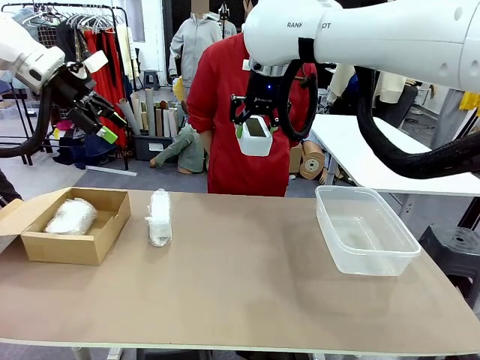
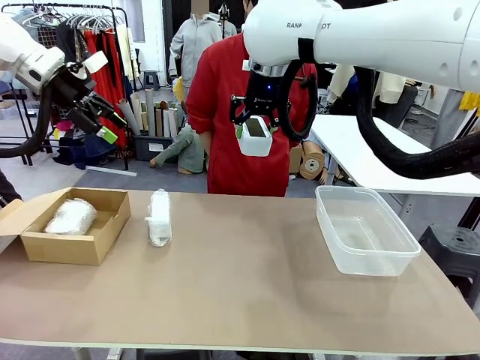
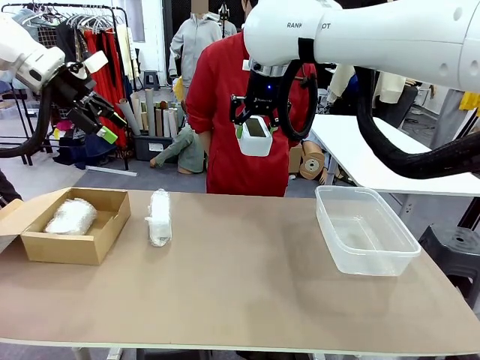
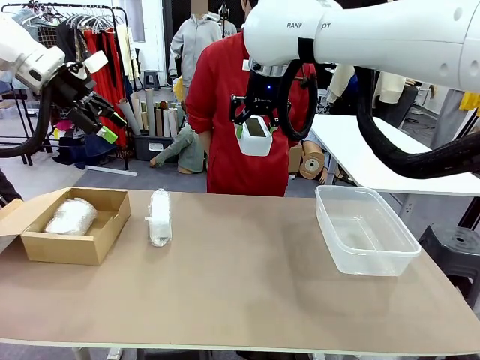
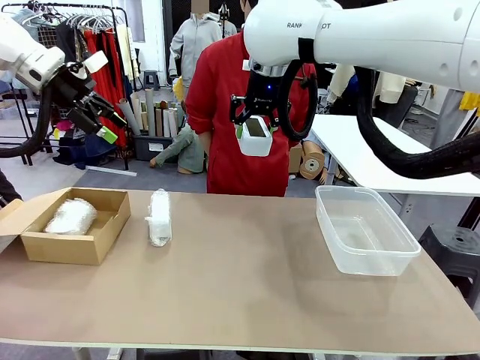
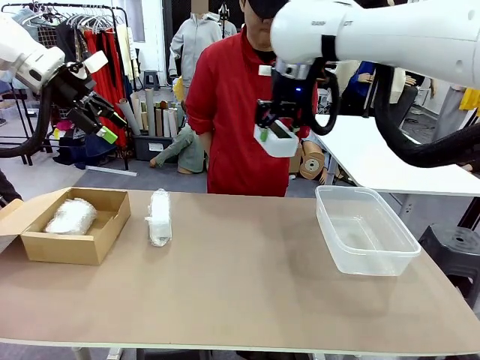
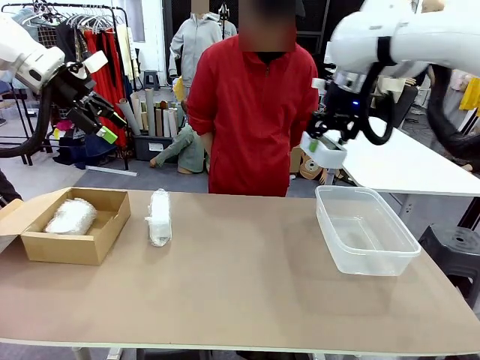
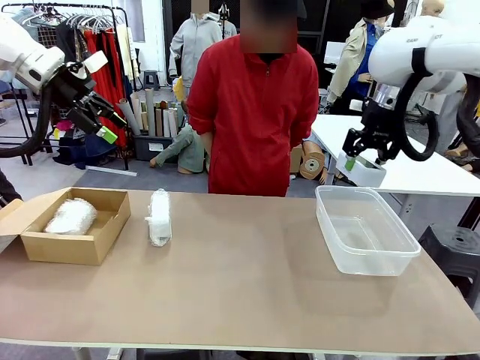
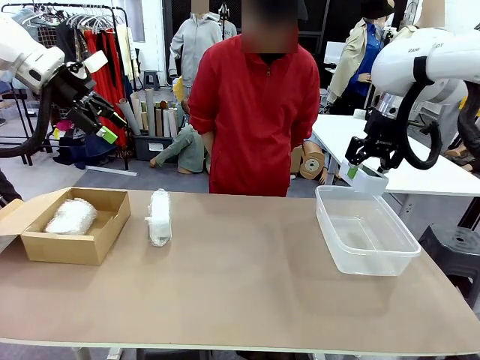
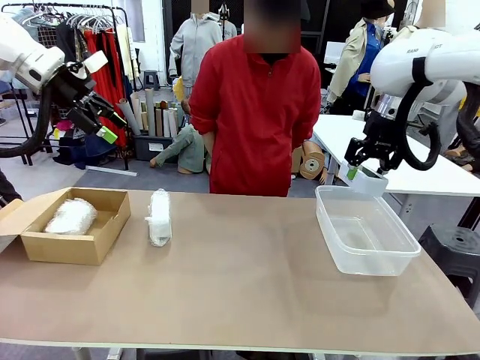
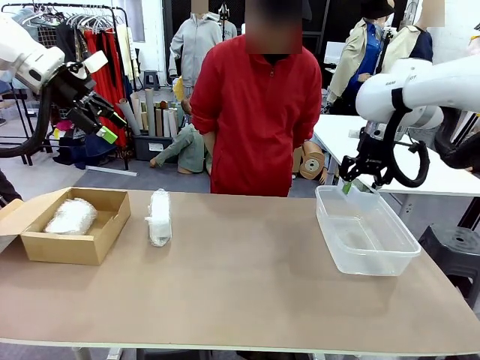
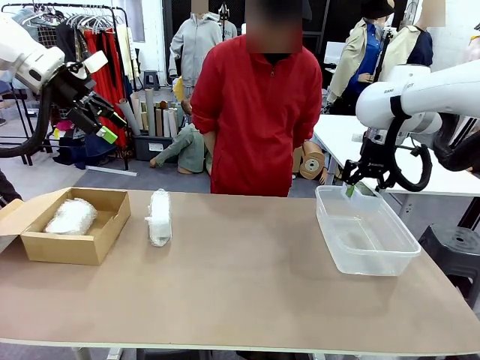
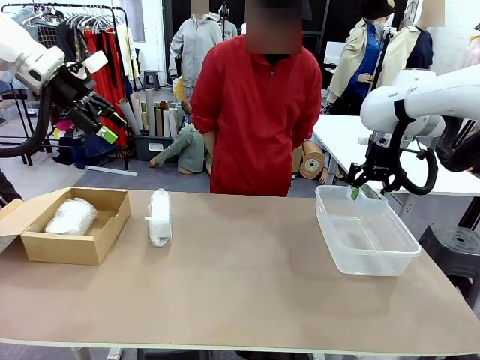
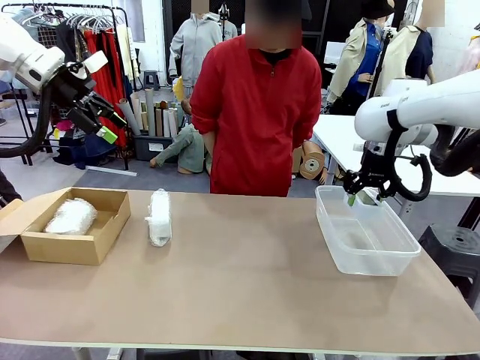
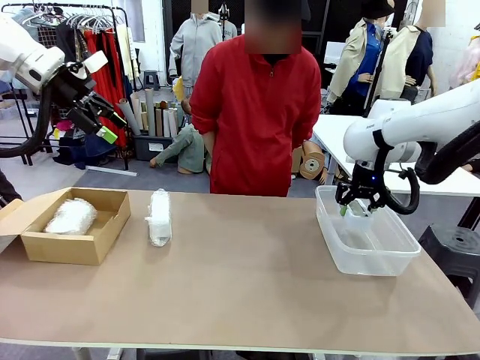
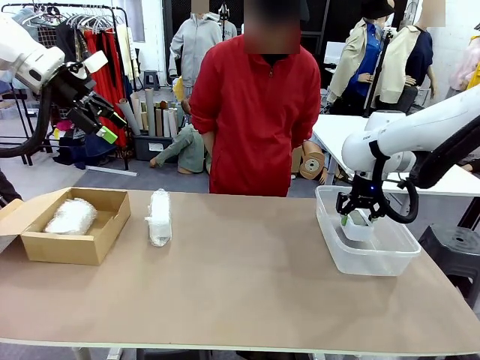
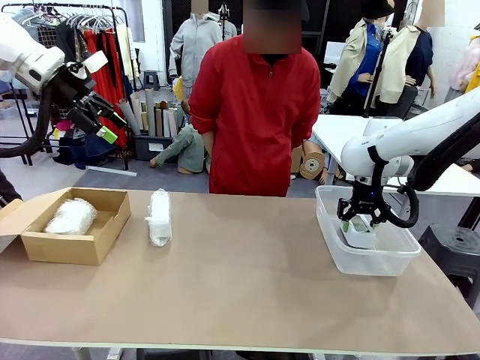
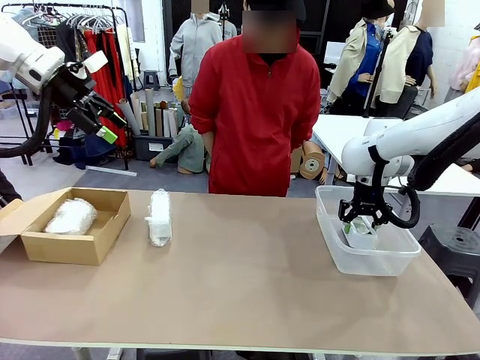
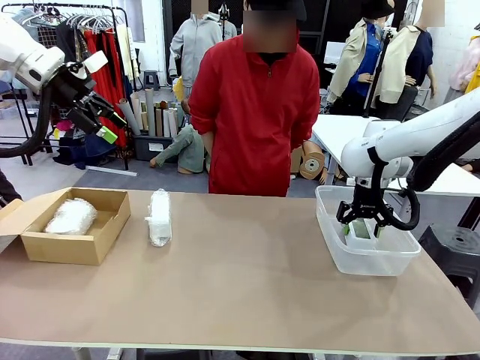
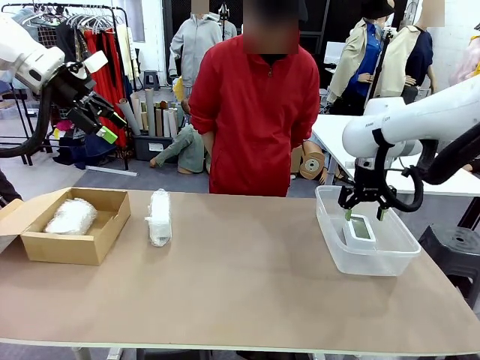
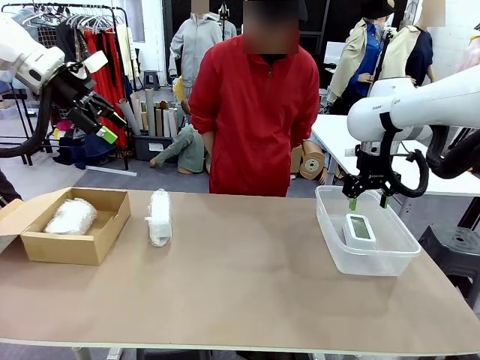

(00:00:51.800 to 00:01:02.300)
Task: Separate and place wrapped and unwrapped clocks.
Robot: If the picked Digital clock is wrapped, place it in the Package Box ; if not, place it in the Organizing box.

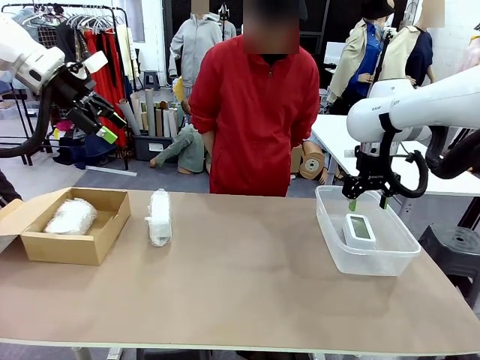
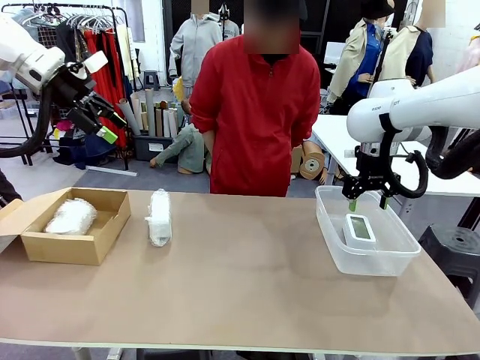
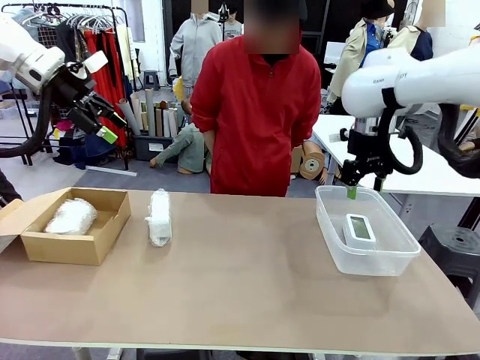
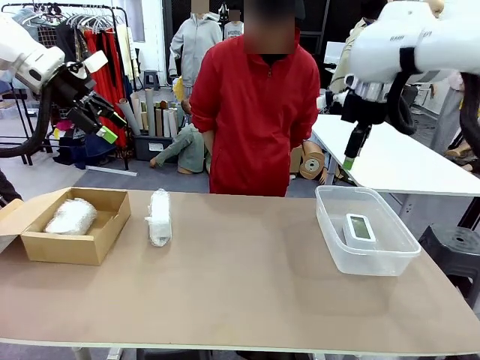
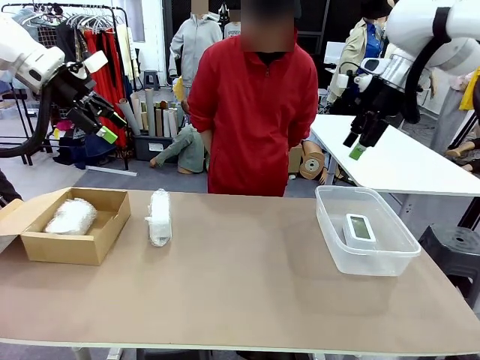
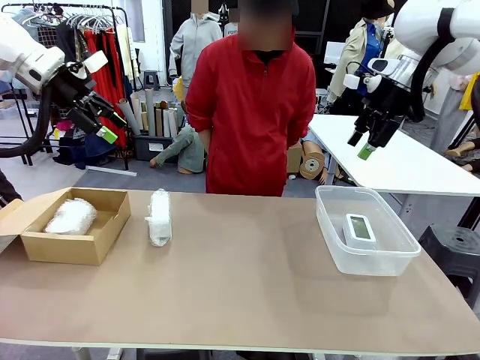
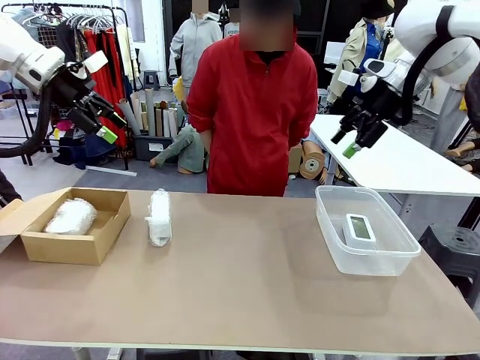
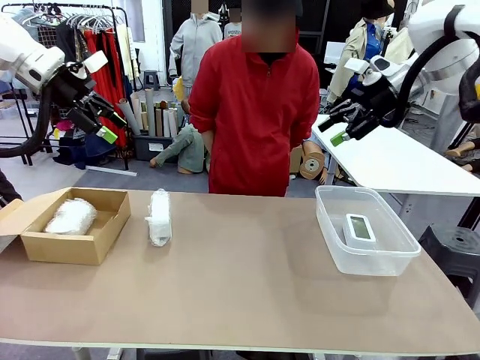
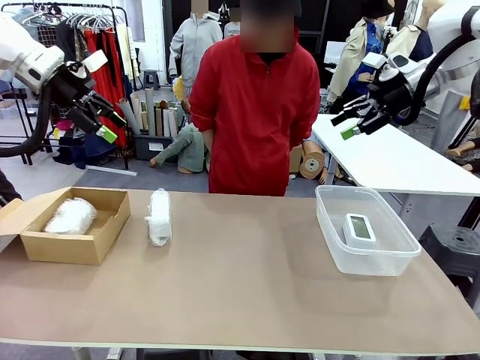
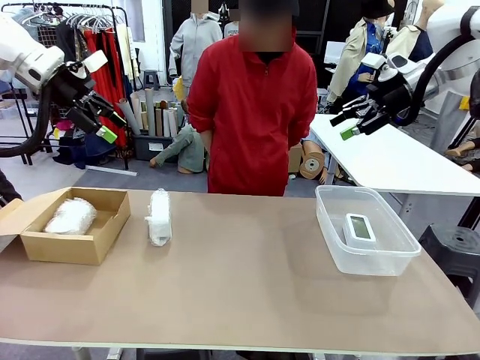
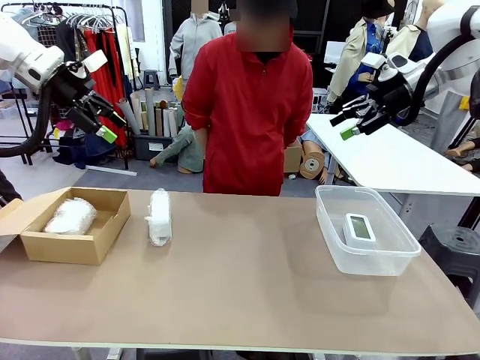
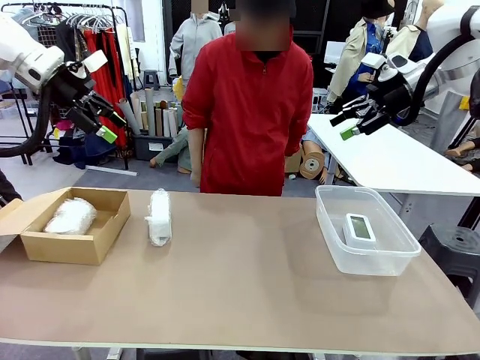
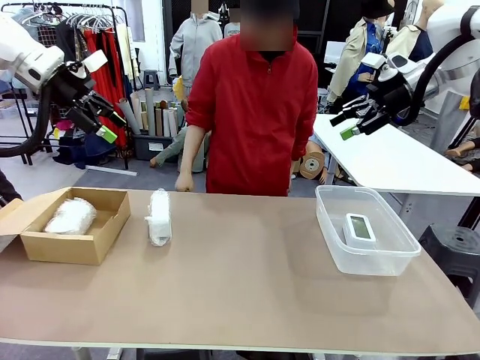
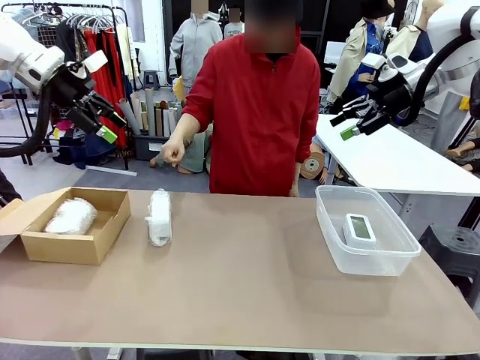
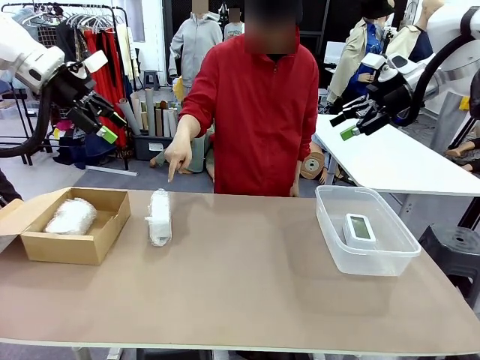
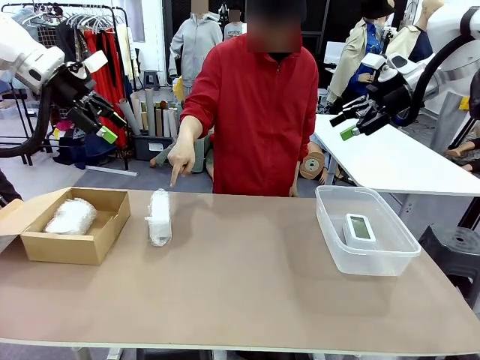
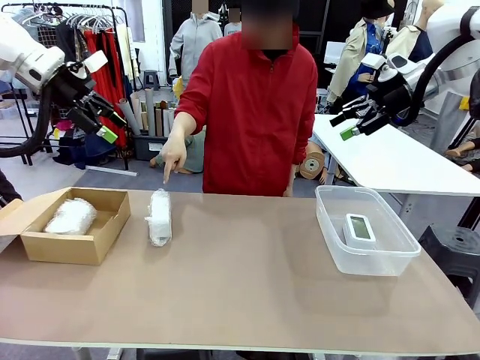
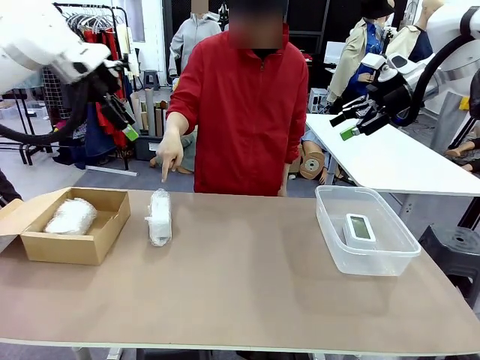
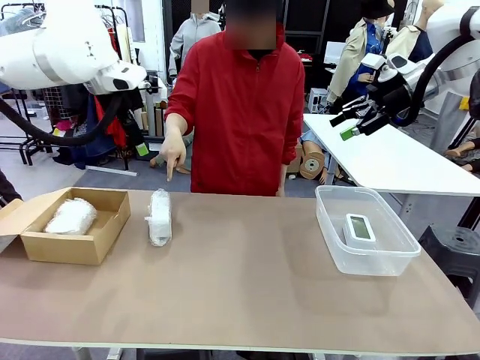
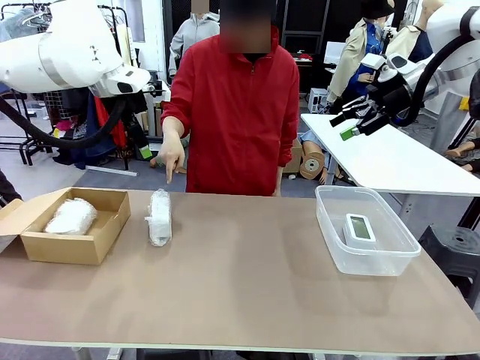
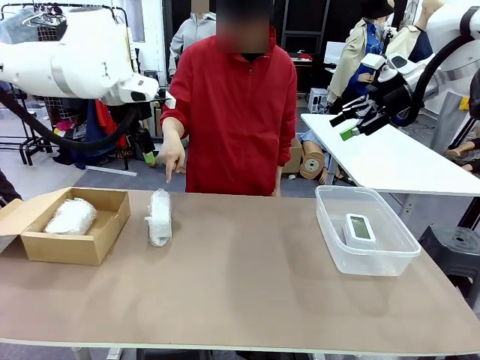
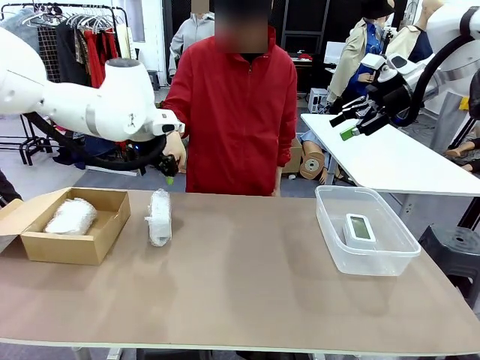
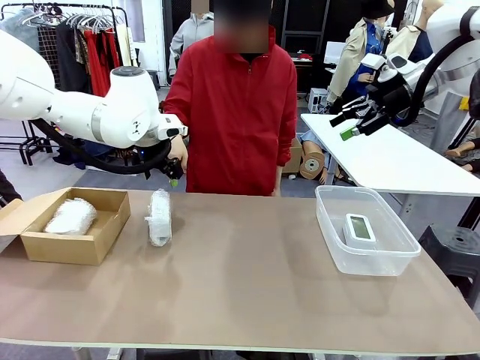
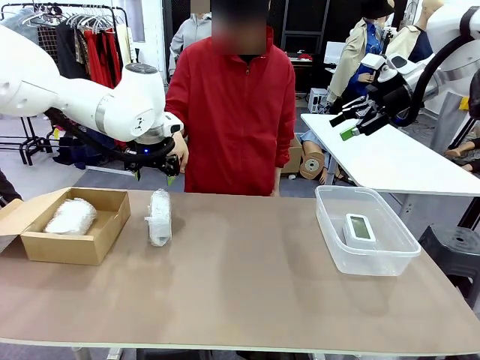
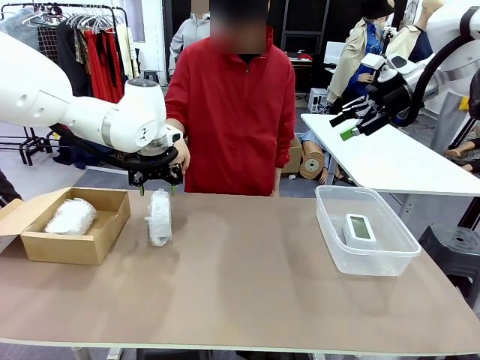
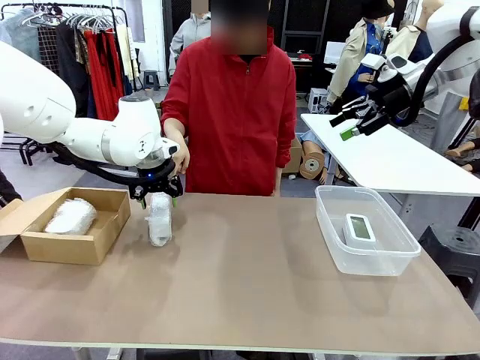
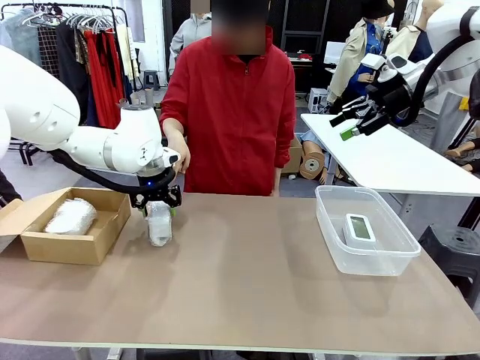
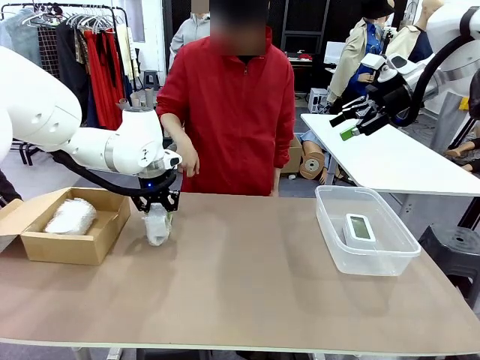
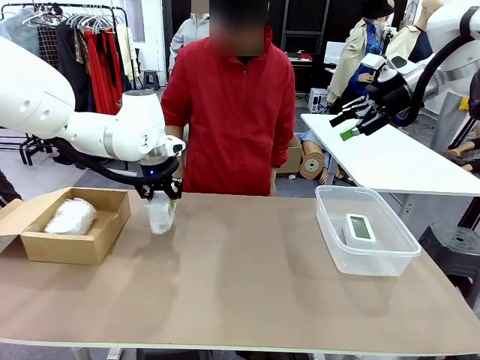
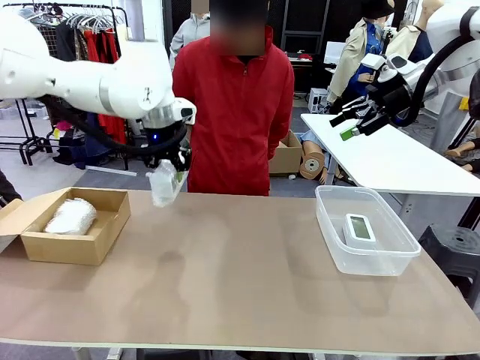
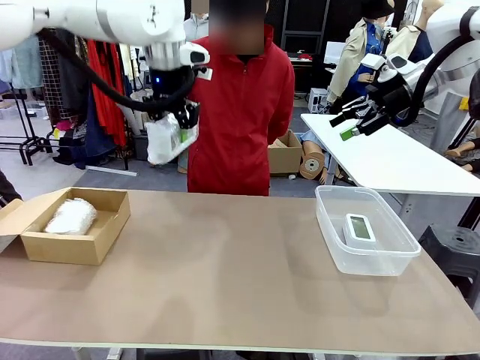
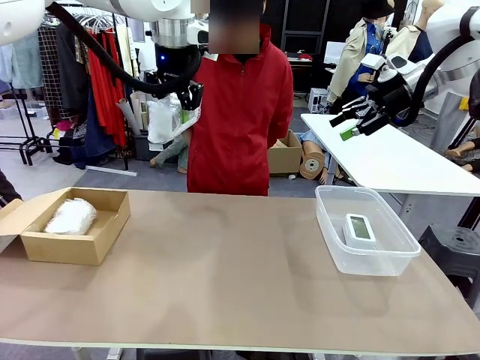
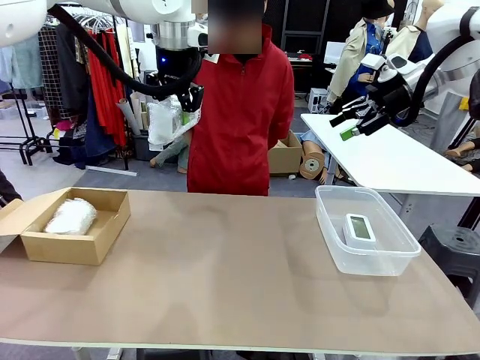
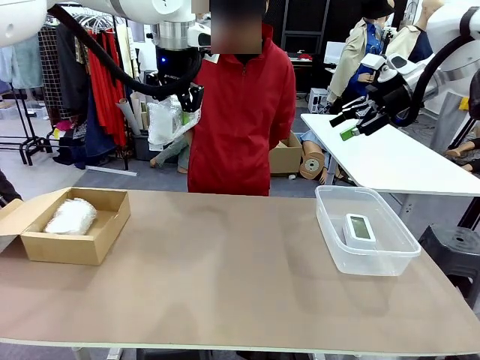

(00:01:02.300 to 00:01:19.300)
Robot: Pick up the Digital clock indicated by the person.
